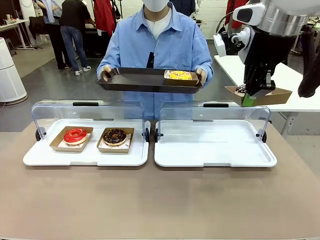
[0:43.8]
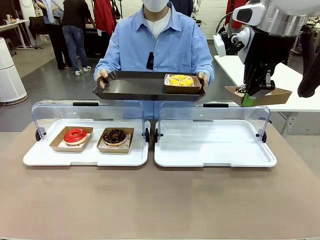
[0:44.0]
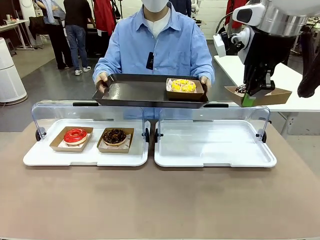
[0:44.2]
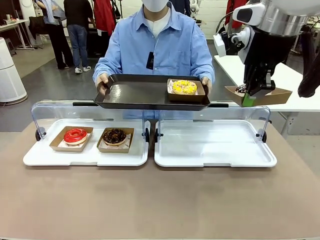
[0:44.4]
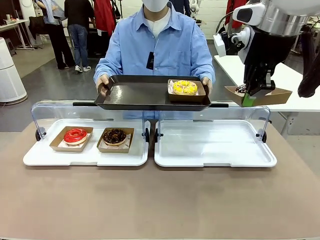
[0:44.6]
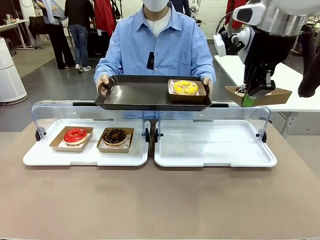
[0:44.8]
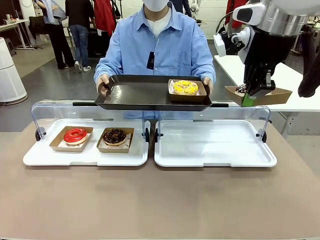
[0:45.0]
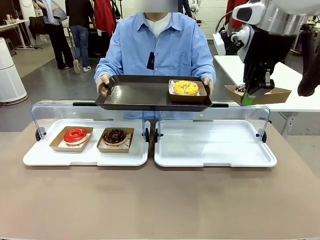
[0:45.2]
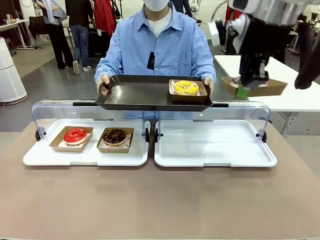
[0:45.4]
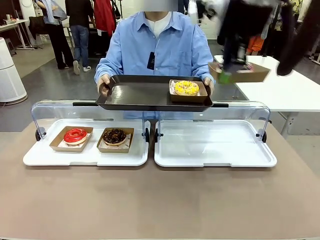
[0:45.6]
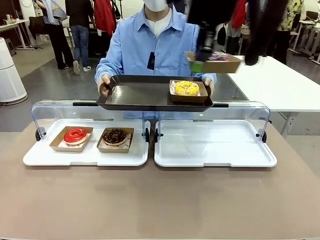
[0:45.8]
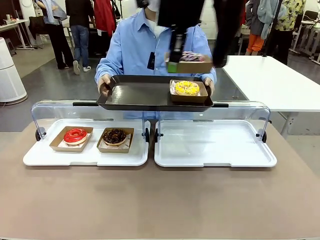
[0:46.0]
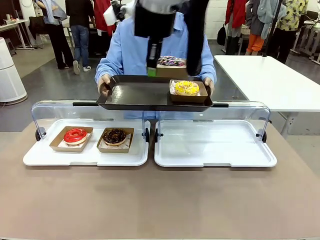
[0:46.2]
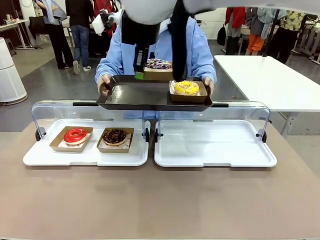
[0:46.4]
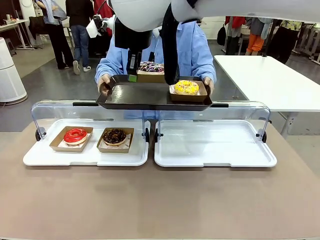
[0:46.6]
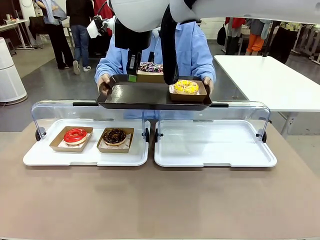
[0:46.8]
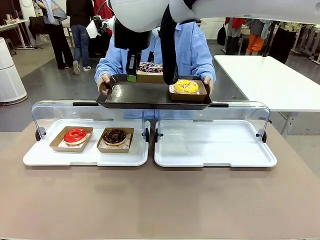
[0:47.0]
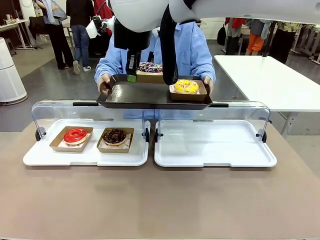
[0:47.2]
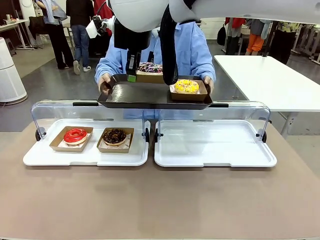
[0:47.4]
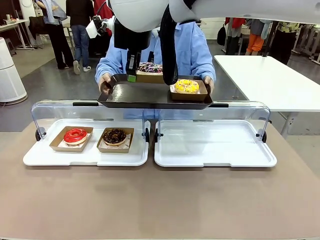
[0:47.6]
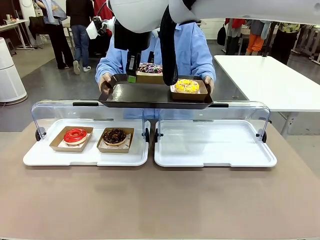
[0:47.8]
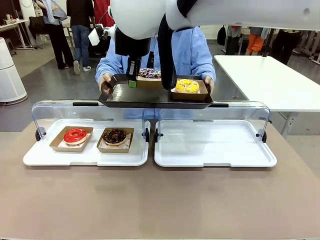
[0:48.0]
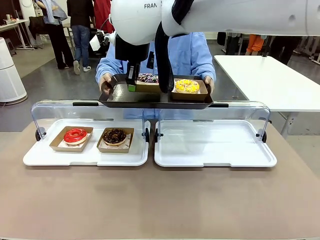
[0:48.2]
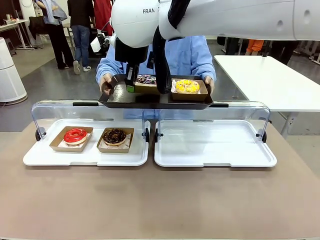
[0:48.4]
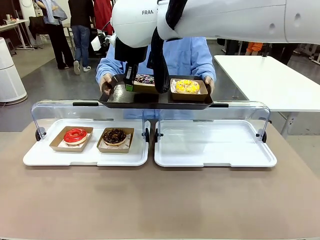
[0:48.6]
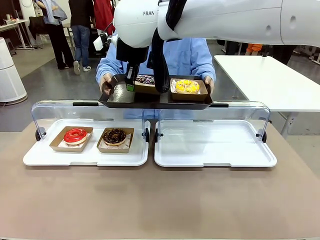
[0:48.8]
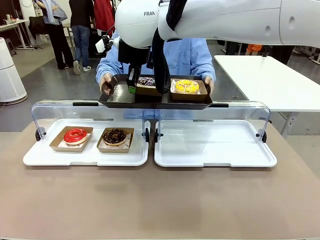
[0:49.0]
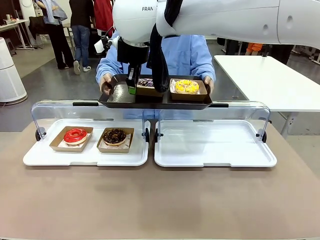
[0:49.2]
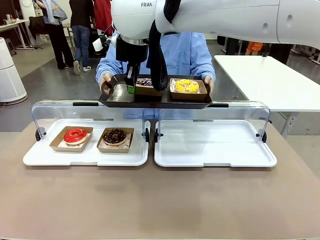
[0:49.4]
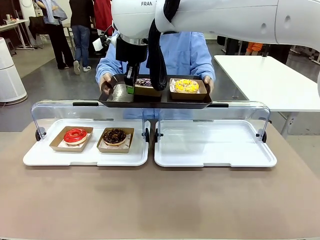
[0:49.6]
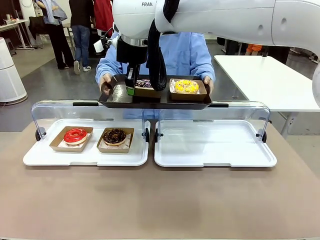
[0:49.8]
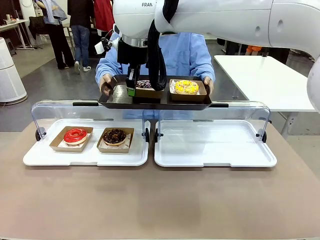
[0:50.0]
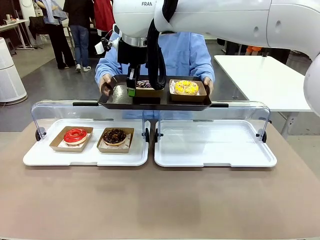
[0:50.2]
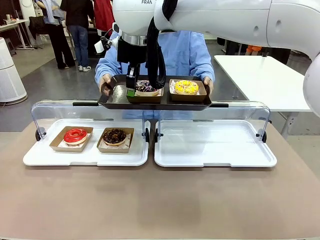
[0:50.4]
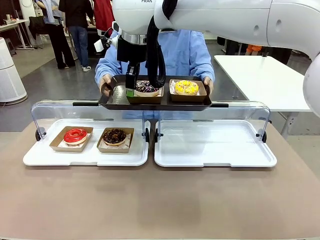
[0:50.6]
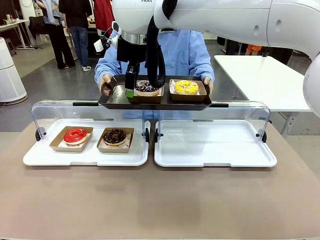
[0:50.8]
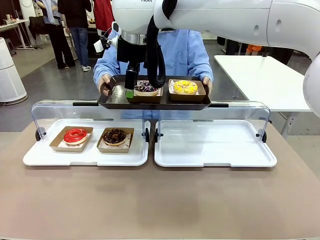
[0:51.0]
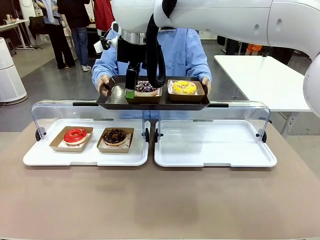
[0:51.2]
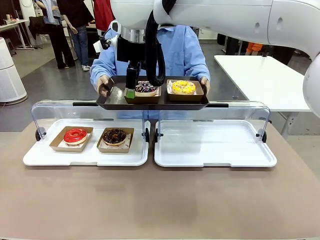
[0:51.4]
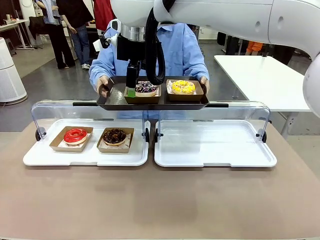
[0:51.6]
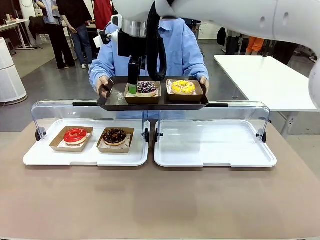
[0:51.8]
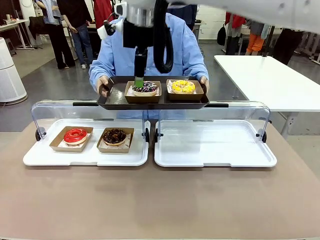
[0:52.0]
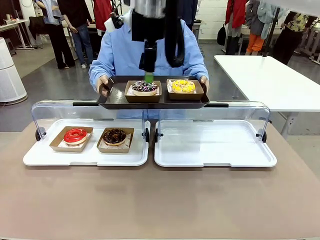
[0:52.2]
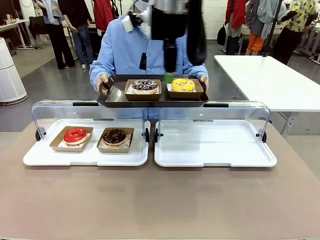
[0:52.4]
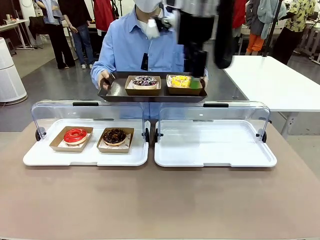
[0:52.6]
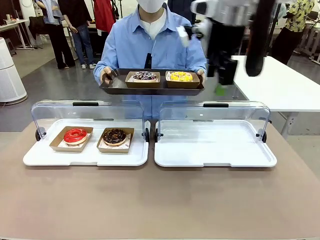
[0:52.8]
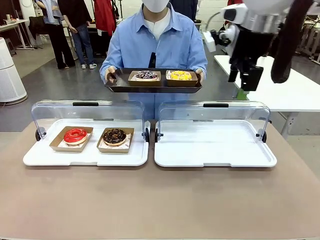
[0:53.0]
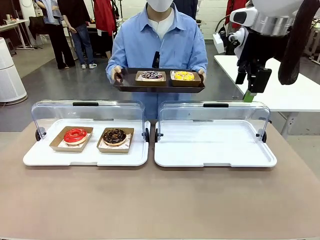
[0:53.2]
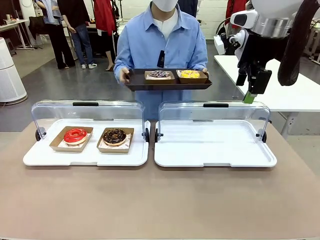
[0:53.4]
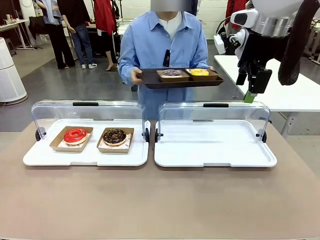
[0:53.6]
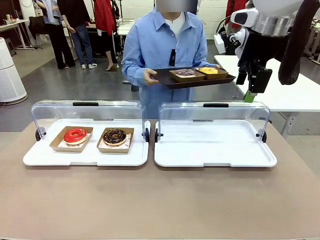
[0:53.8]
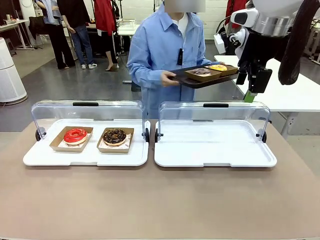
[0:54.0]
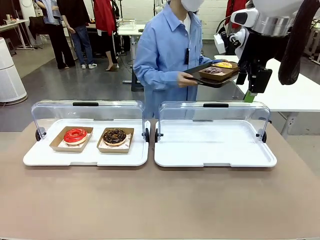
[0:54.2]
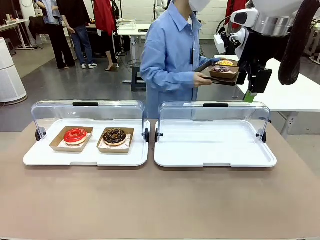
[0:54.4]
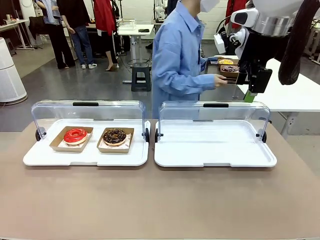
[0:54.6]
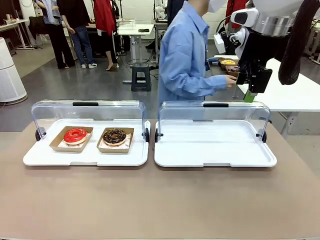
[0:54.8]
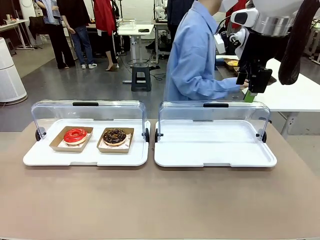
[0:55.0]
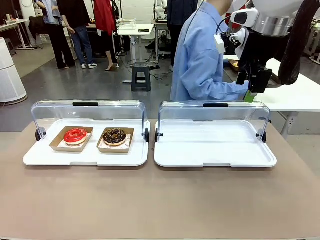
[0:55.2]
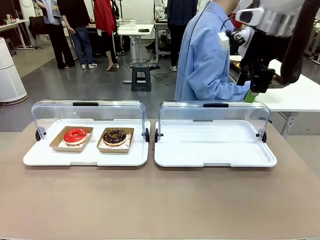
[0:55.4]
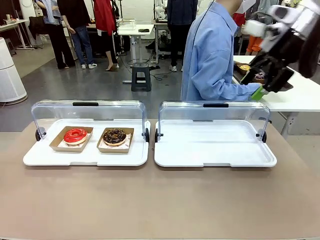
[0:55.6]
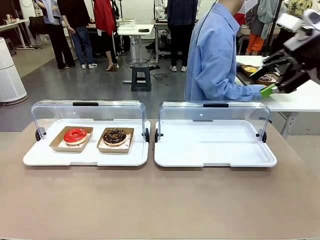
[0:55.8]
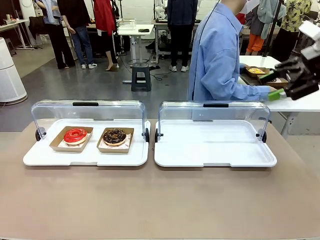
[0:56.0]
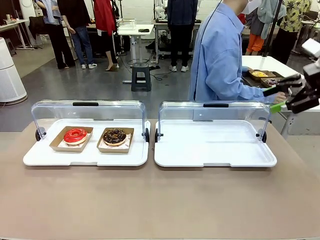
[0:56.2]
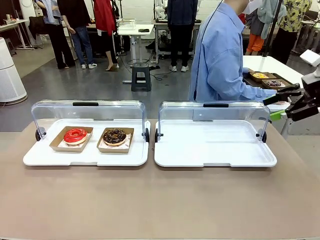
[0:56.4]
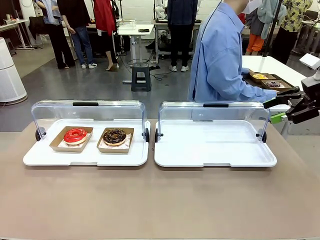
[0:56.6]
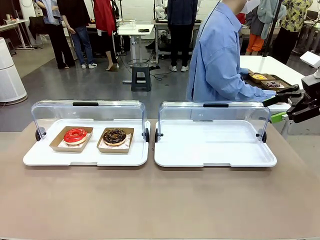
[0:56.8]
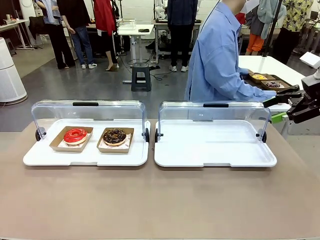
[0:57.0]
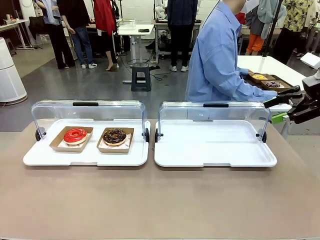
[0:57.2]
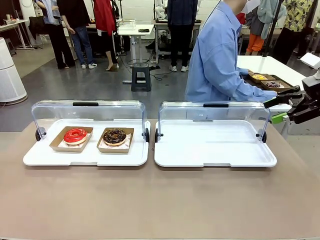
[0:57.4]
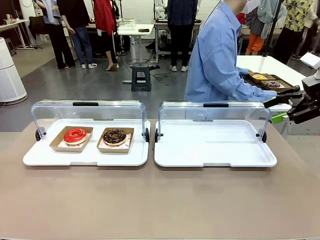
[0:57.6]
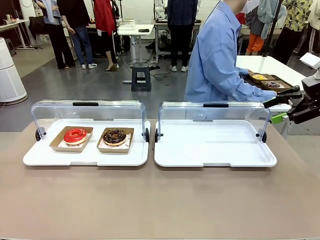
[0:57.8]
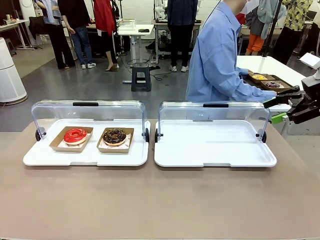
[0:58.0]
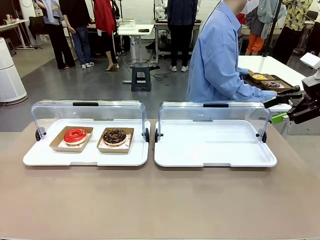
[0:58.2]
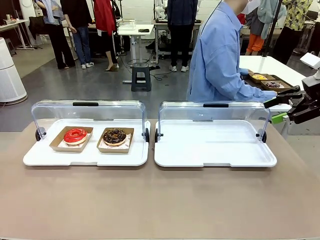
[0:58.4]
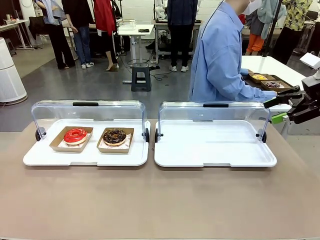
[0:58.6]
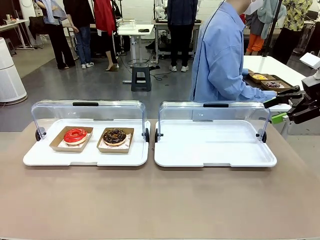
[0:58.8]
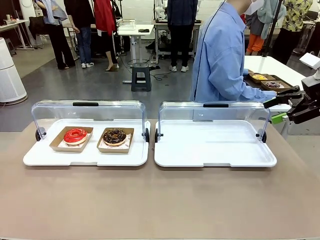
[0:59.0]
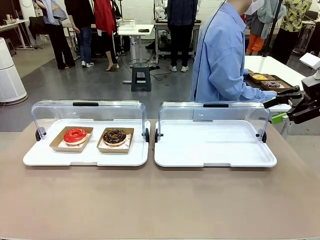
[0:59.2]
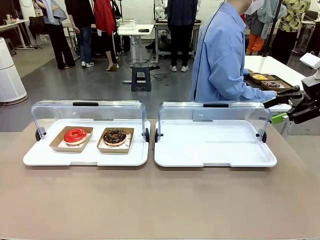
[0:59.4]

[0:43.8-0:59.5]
Task: Provide the desired donut to the person.
Robot: Place the picked Paper togo box onto the Handle tray extended by the person.
Person: Place the tray in the middle of the human table.
